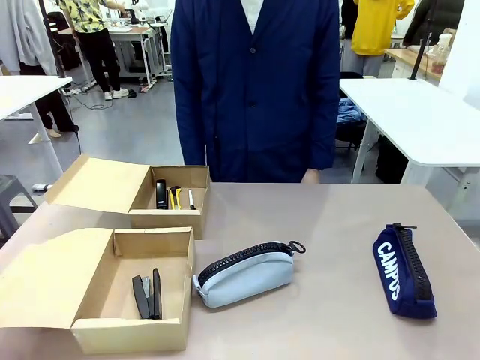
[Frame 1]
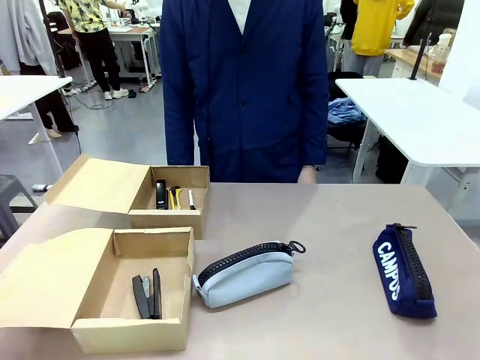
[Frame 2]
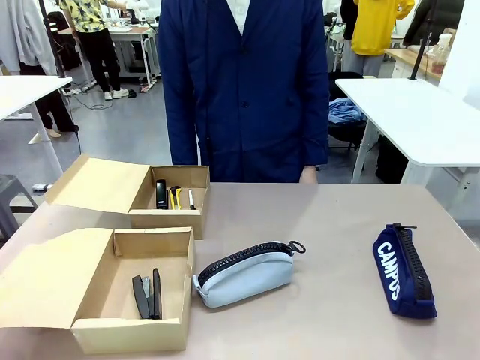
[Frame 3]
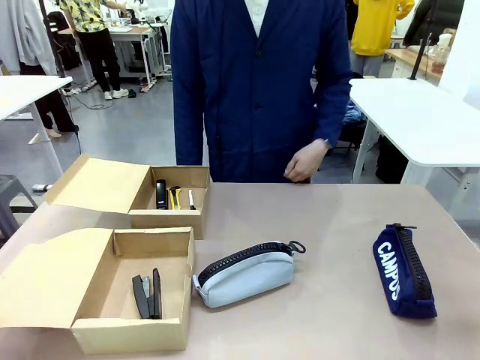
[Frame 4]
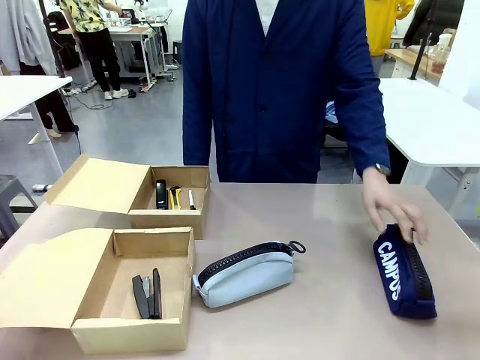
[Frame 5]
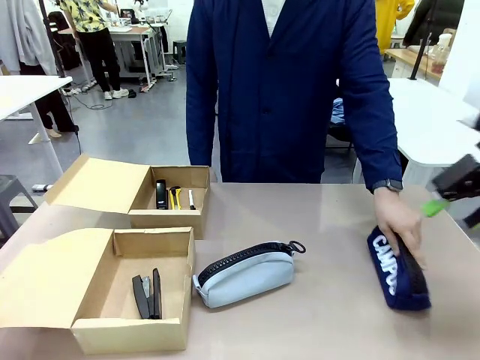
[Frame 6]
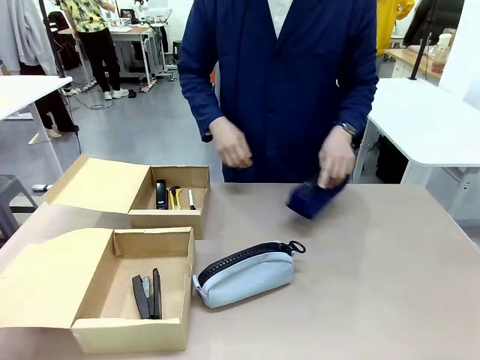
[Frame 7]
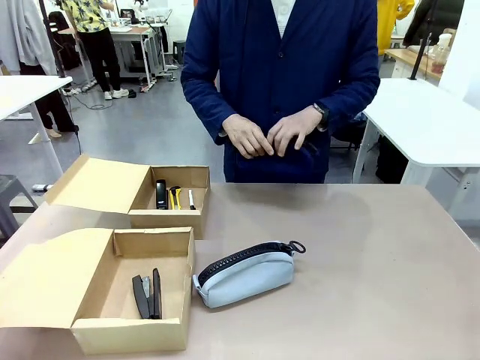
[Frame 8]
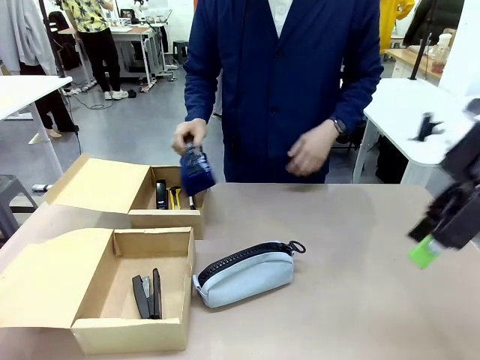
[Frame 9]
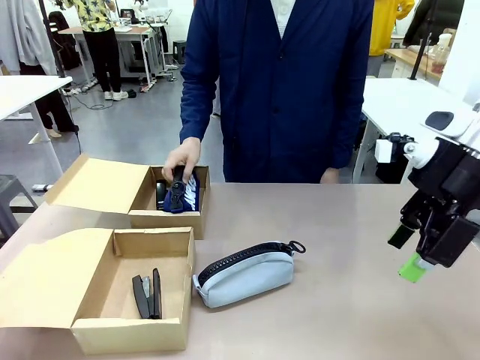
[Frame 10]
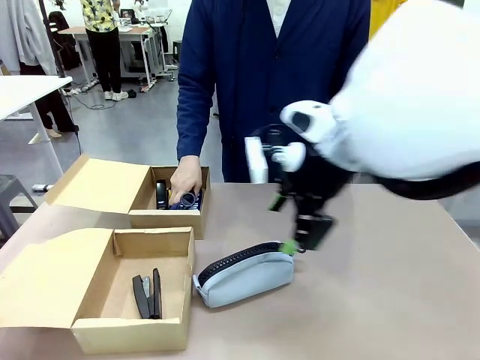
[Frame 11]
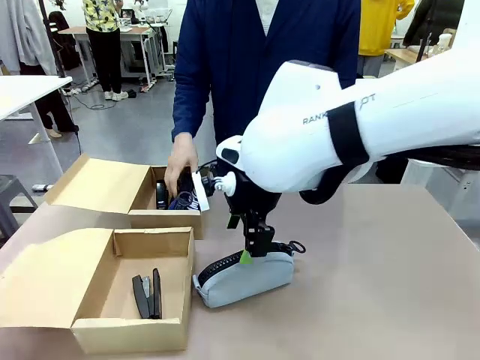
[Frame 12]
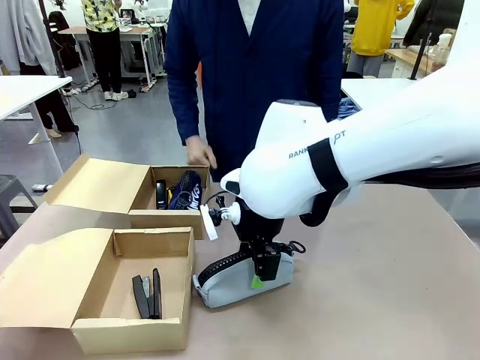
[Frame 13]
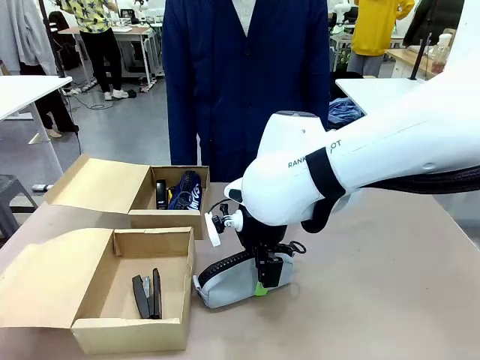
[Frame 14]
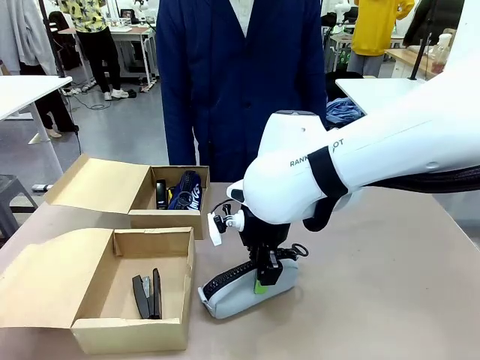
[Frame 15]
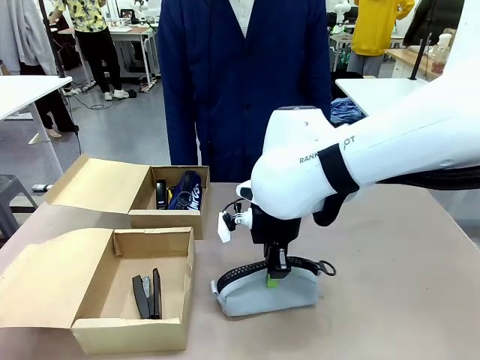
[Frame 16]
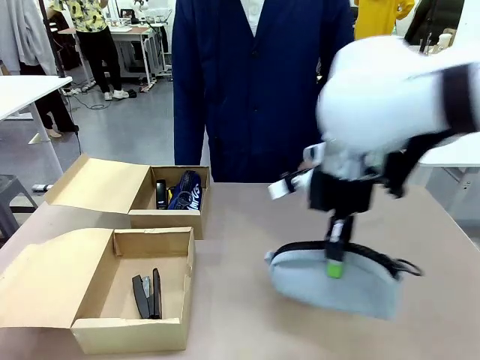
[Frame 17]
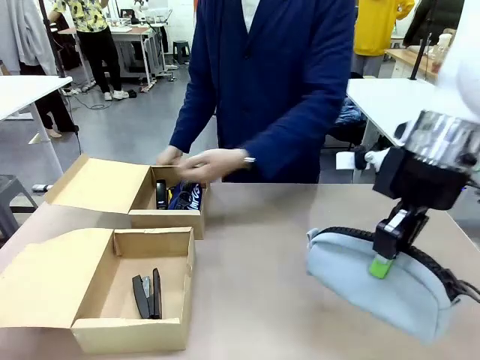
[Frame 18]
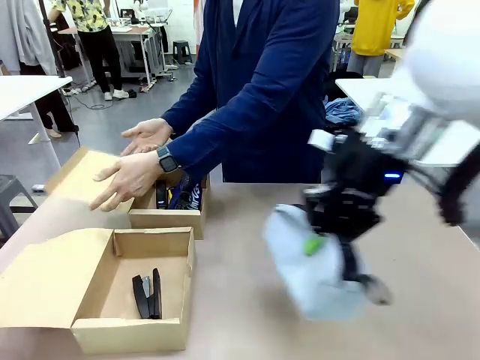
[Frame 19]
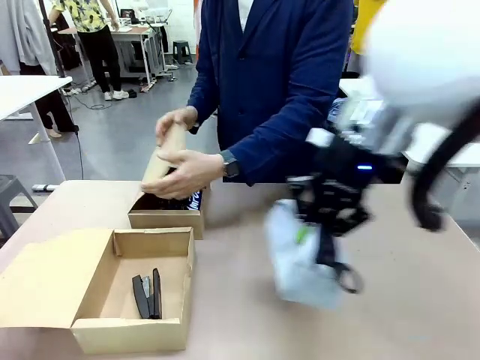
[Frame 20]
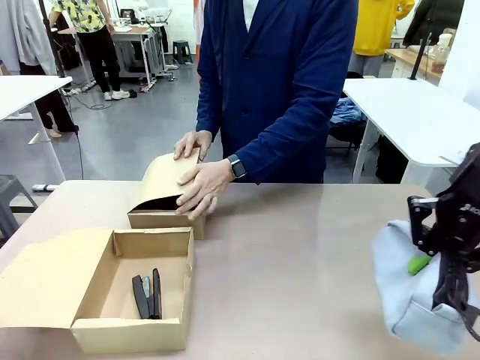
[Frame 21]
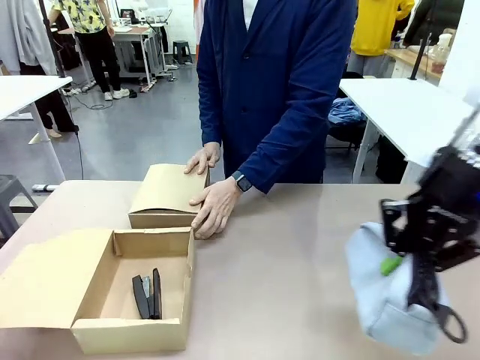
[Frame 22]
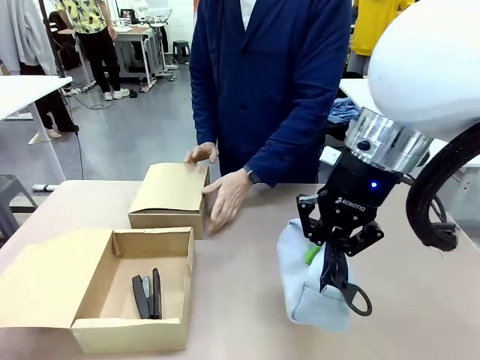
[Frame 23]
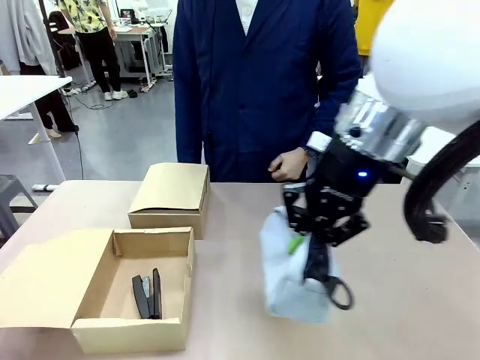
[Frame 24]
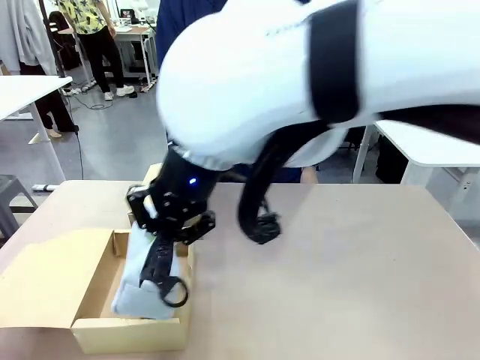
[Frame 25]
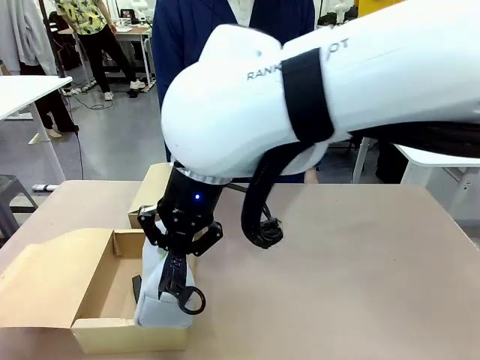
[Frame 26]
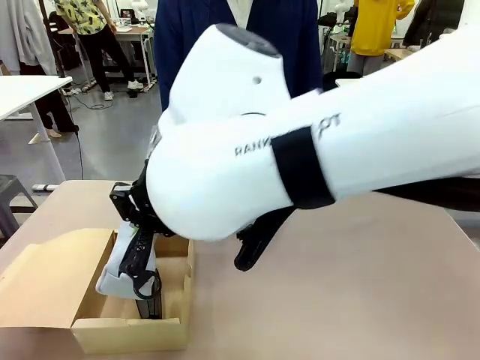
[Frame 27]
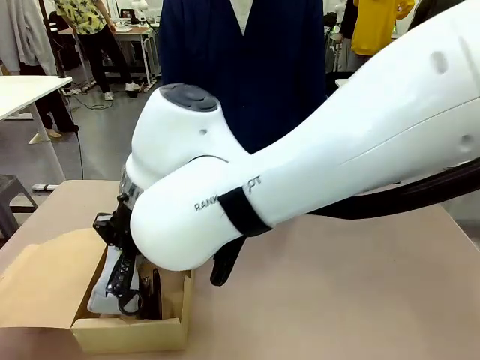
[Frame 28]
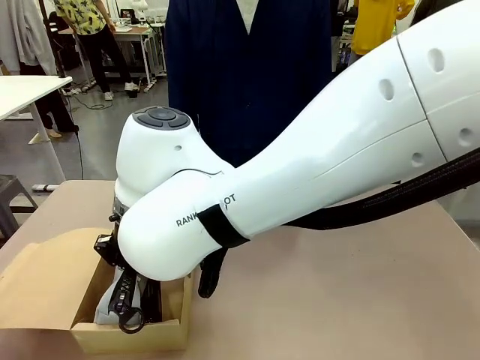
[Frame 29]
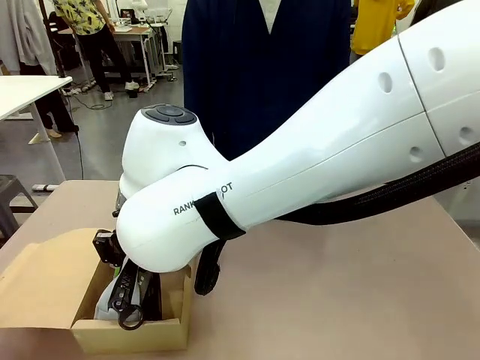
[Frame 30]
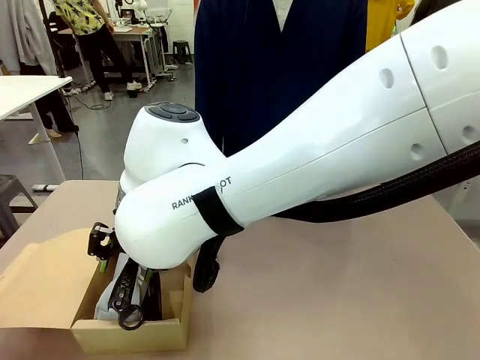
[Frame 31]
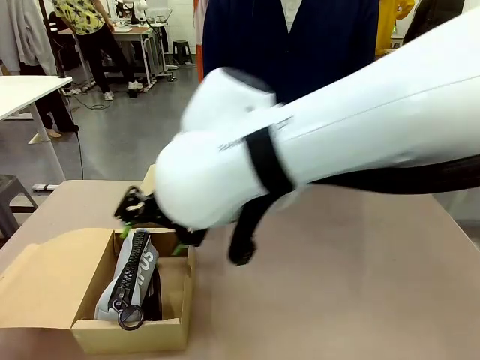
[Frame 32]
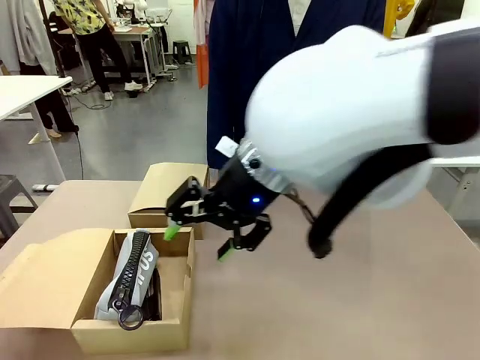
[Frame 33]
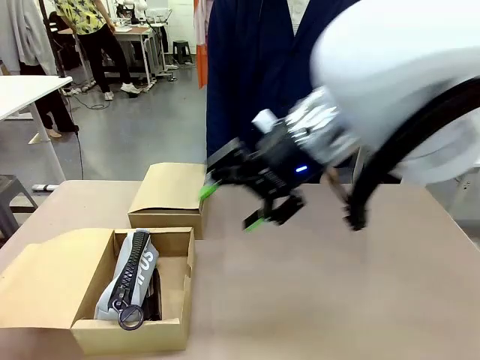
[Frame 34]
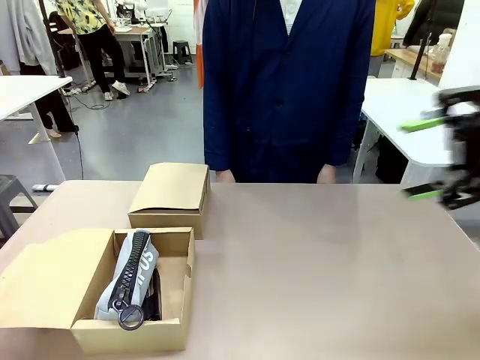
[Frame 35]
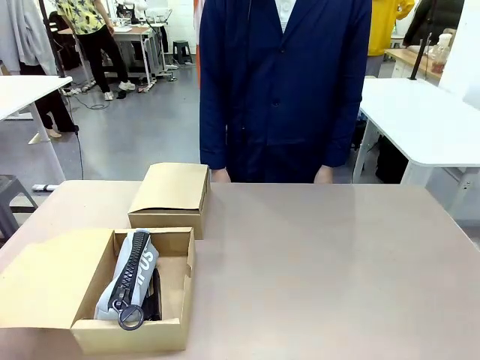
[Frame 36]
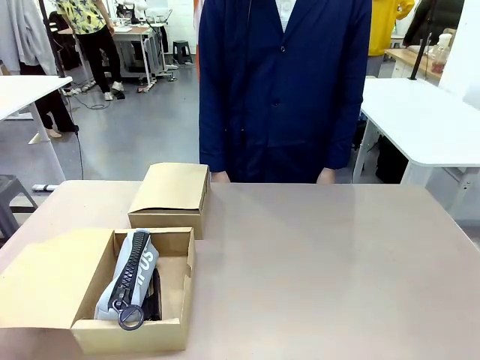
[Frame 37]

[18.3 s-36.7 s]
Task: Place items inside the box.
Robot: Pick up a Pencil pouch or Stapler and place it inside the Mailer Box closest to the robot.
Person: Close the lid of the box facing the person.

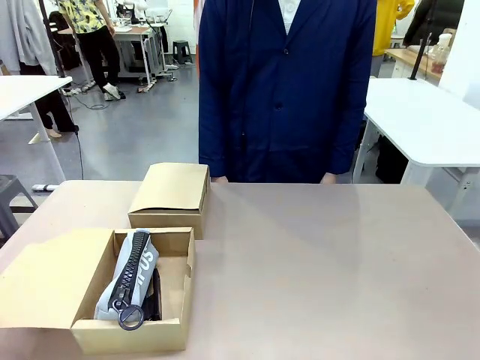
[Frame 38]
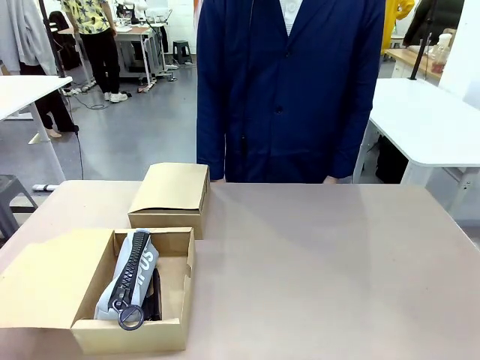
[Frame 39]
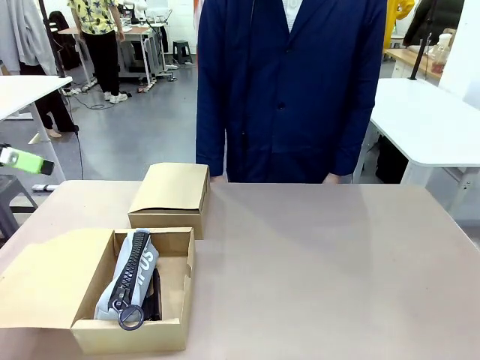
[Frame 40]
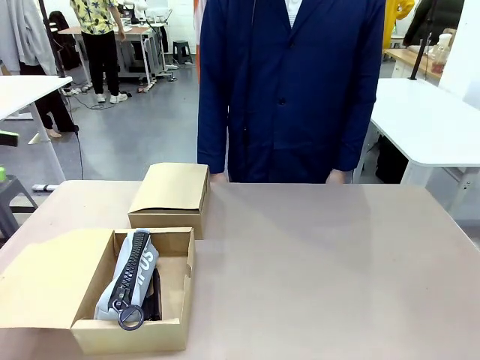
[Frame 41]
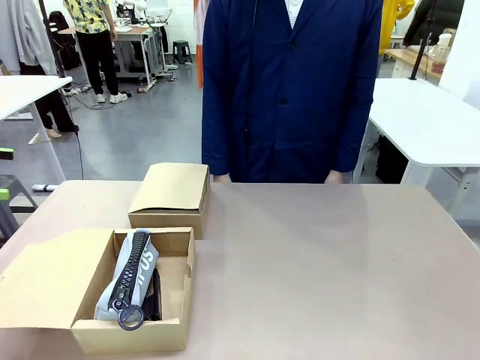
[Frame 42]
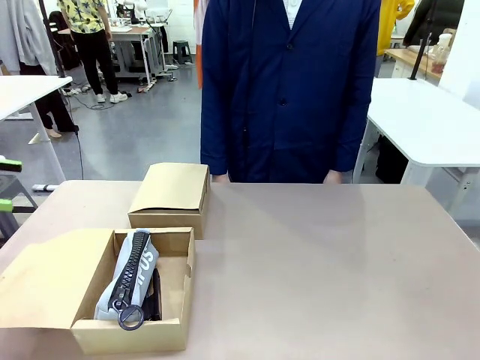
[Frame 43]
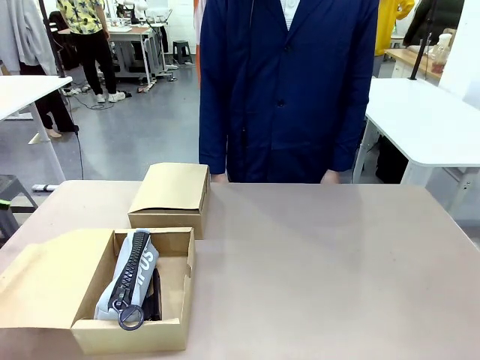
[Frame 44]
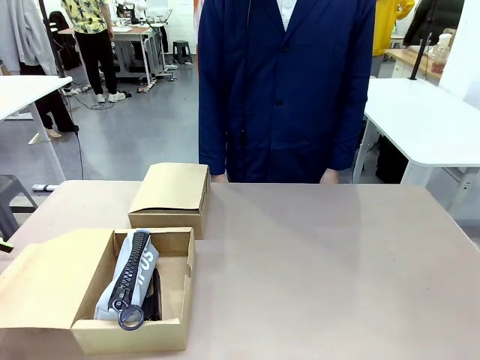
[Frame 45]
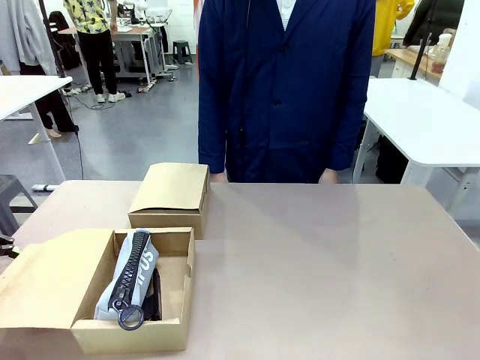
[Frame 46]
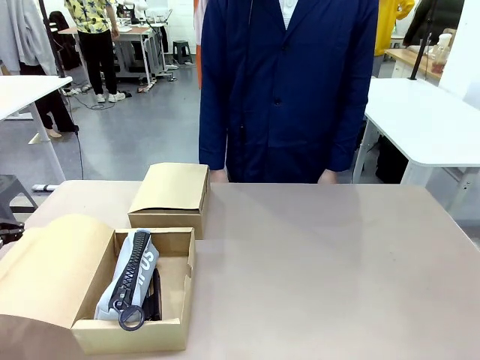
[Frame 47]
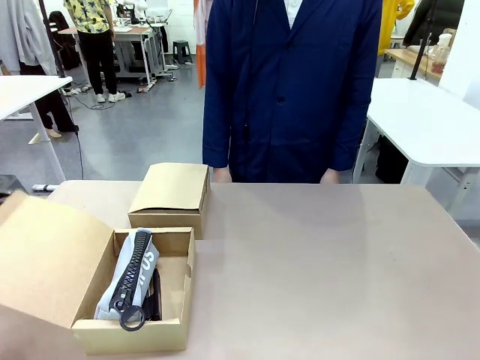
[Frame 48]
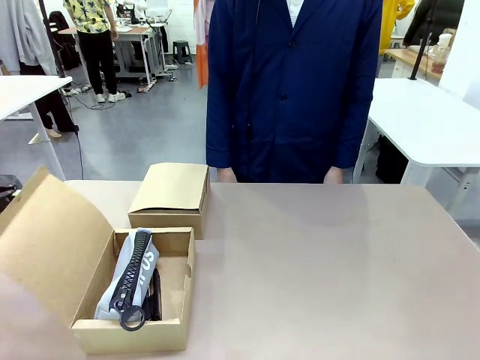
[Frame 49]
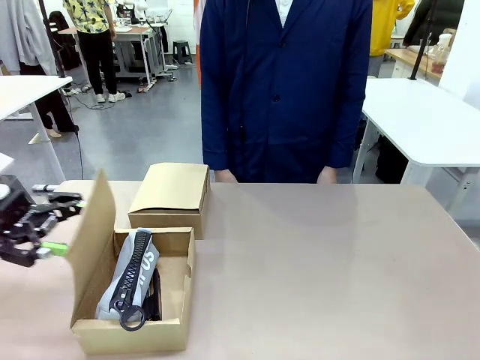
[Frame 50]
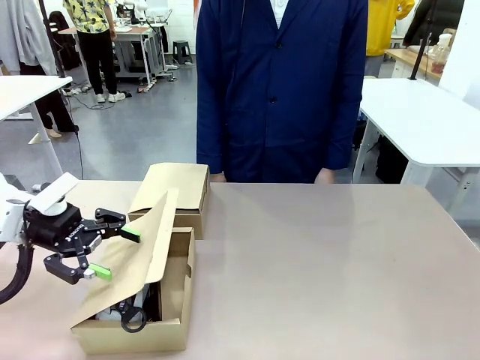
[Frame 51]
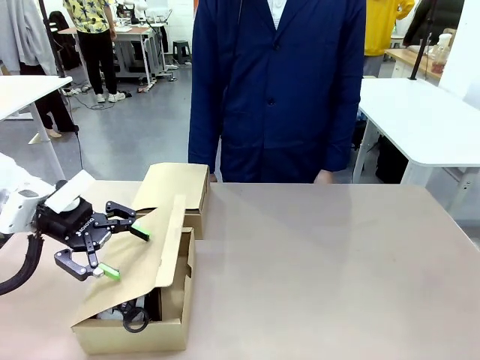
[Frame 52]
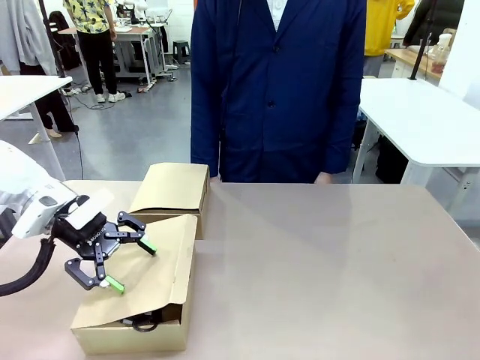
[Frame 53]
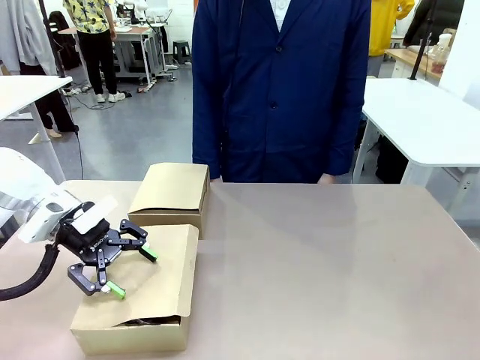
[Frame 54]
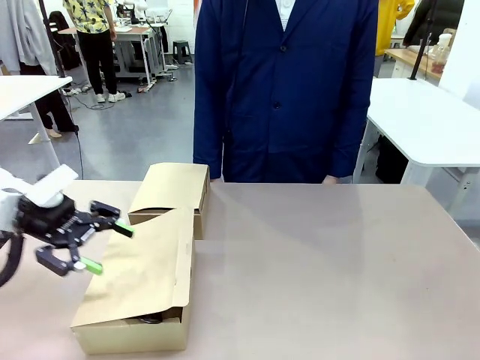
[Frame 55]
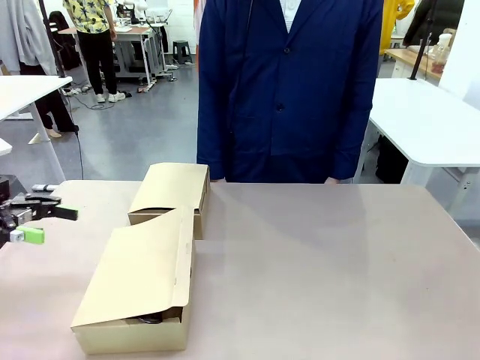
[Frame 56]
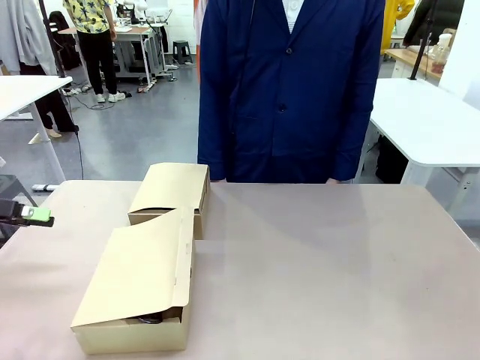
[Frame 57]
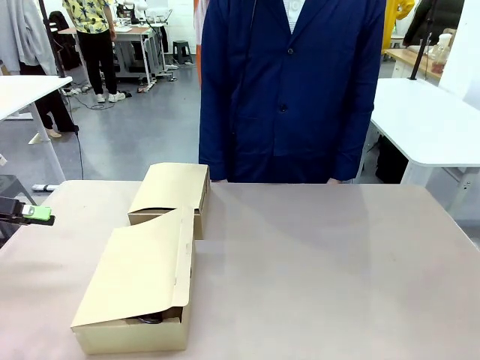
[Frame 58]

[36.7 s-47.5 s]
Robot: Close the lid of the Mailer Box closest to the robot.
